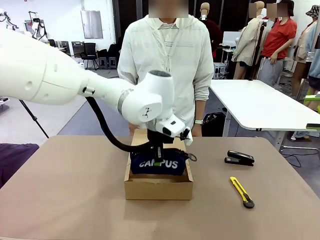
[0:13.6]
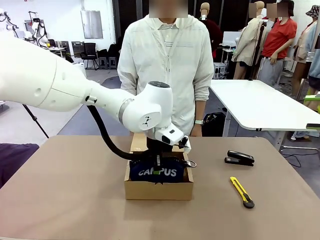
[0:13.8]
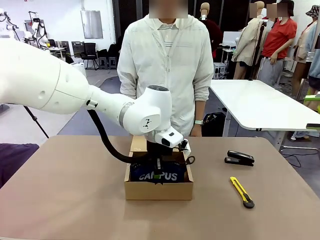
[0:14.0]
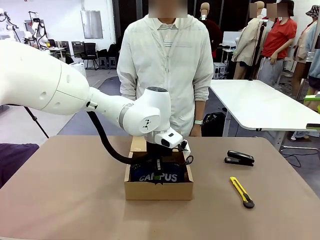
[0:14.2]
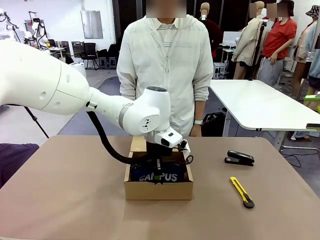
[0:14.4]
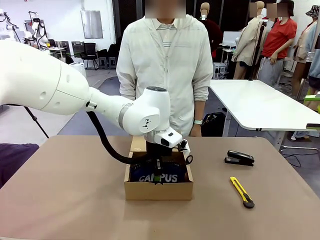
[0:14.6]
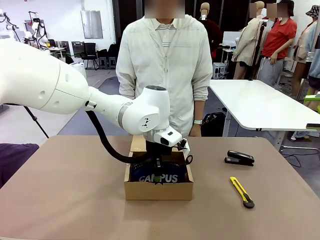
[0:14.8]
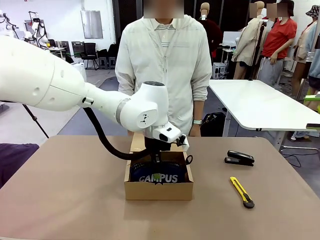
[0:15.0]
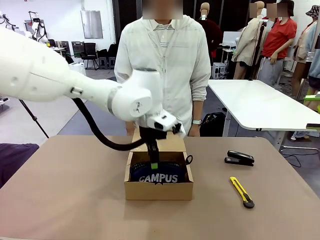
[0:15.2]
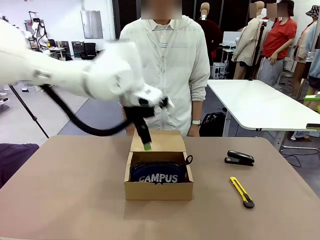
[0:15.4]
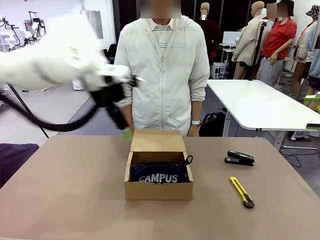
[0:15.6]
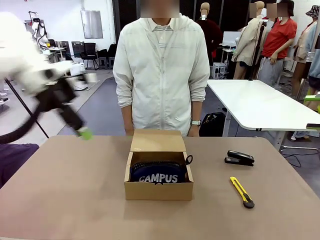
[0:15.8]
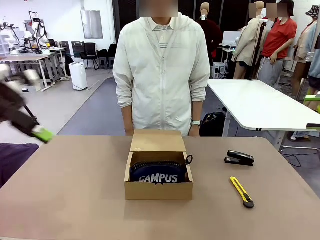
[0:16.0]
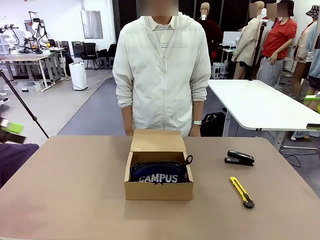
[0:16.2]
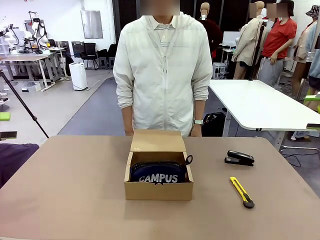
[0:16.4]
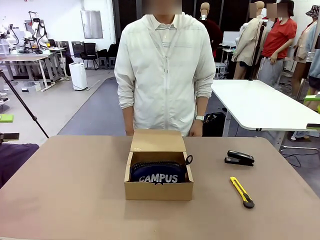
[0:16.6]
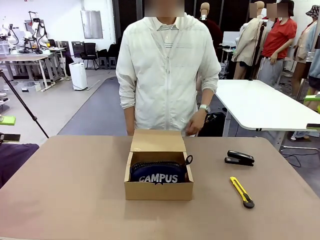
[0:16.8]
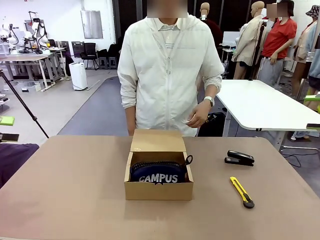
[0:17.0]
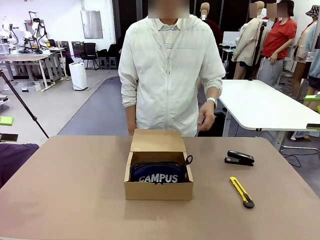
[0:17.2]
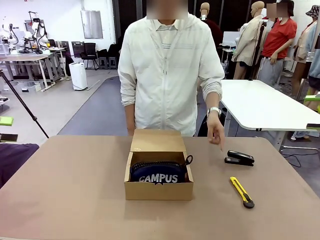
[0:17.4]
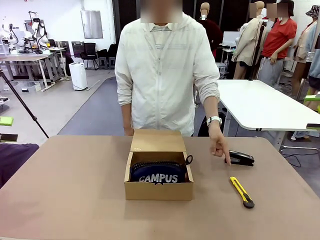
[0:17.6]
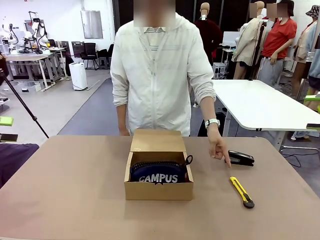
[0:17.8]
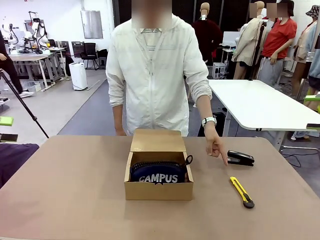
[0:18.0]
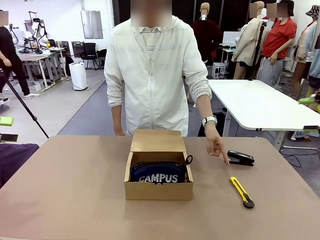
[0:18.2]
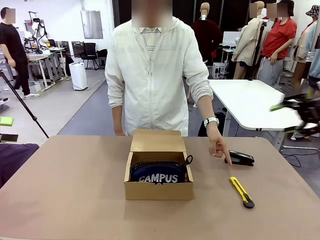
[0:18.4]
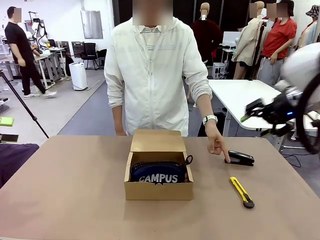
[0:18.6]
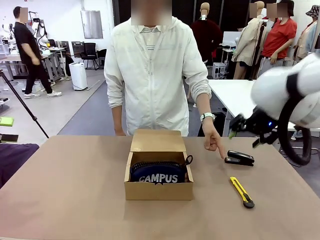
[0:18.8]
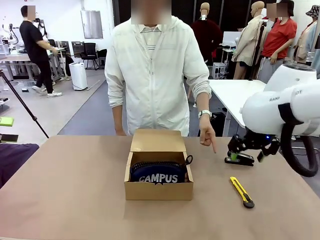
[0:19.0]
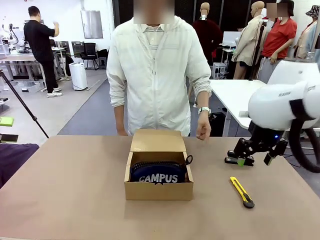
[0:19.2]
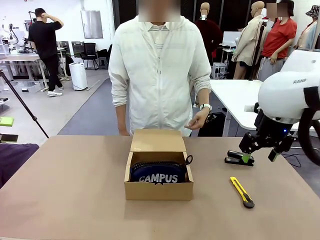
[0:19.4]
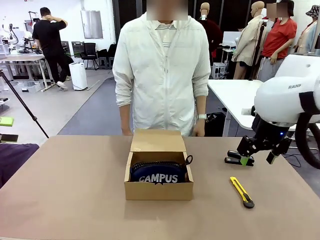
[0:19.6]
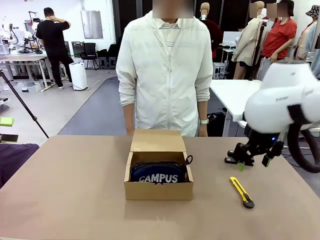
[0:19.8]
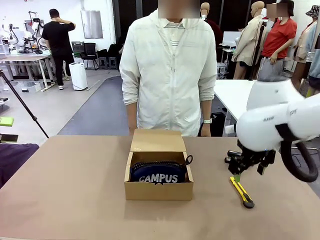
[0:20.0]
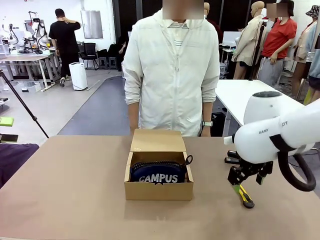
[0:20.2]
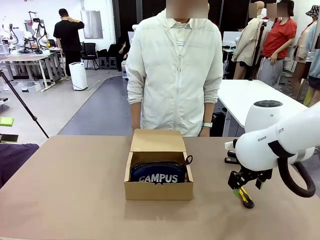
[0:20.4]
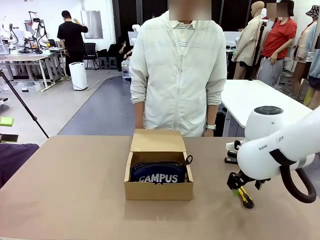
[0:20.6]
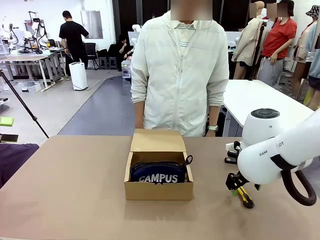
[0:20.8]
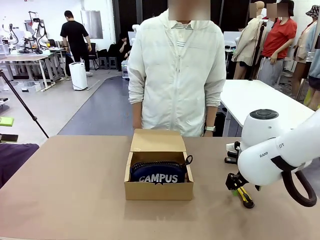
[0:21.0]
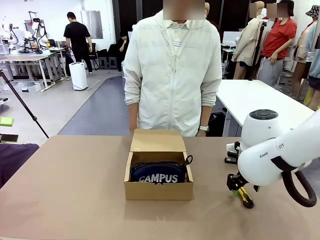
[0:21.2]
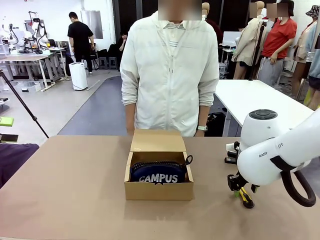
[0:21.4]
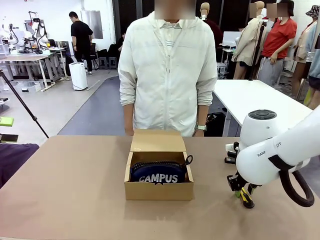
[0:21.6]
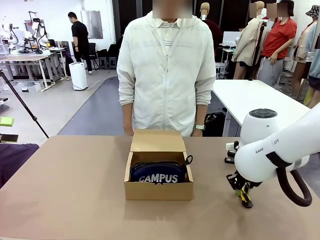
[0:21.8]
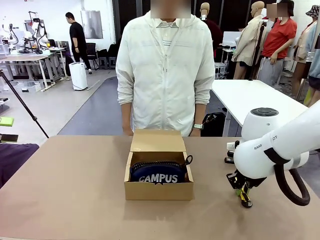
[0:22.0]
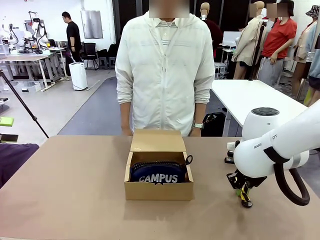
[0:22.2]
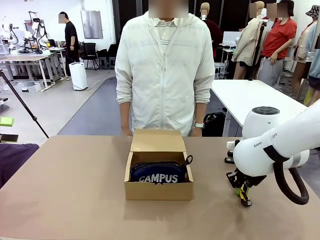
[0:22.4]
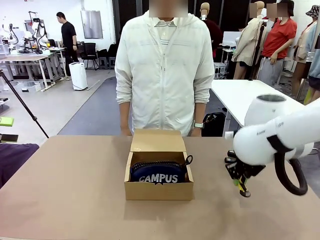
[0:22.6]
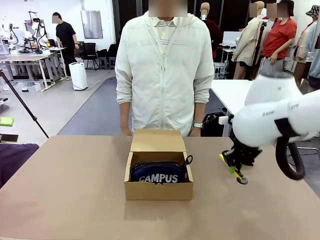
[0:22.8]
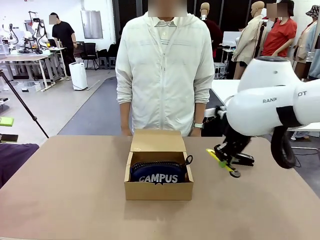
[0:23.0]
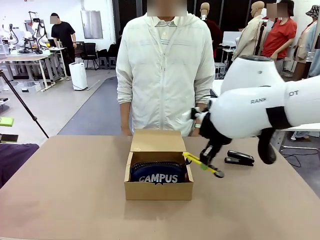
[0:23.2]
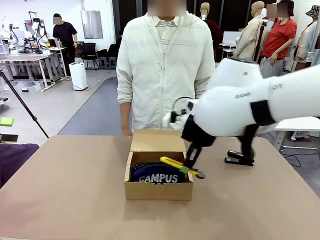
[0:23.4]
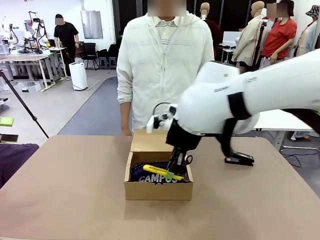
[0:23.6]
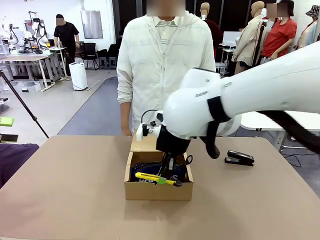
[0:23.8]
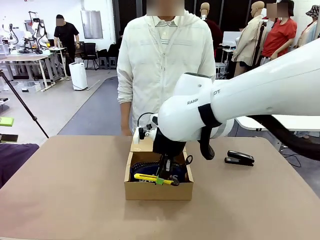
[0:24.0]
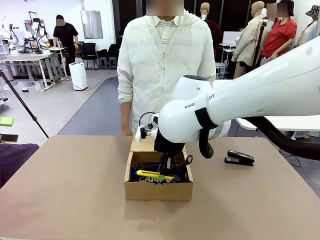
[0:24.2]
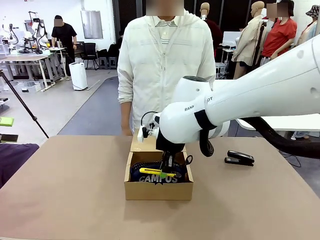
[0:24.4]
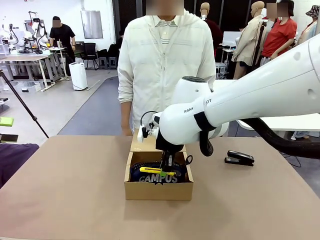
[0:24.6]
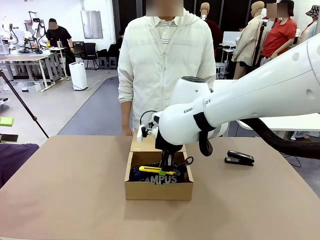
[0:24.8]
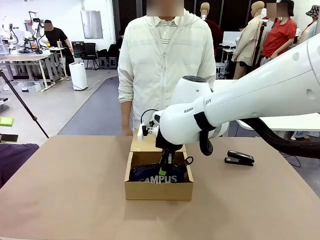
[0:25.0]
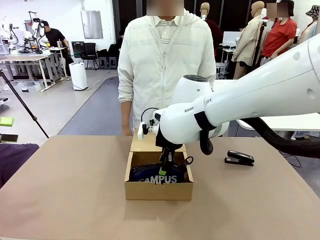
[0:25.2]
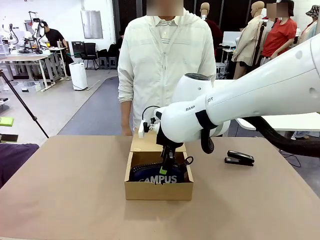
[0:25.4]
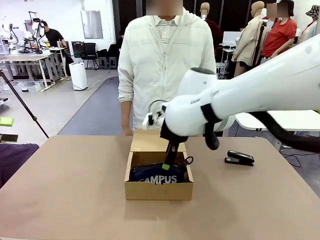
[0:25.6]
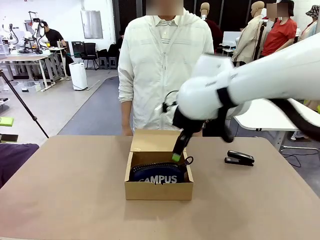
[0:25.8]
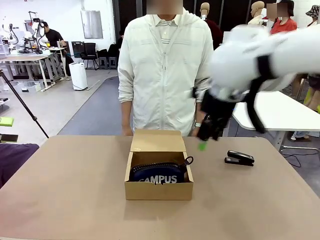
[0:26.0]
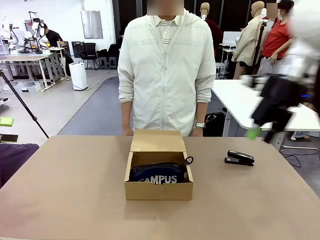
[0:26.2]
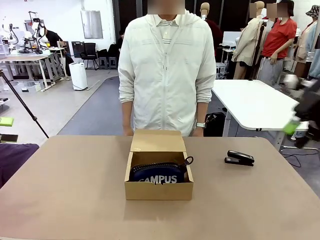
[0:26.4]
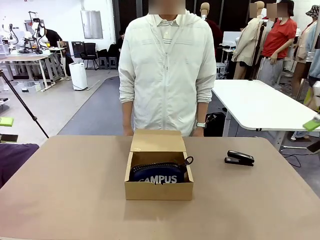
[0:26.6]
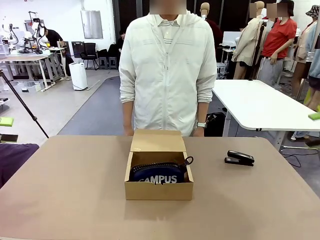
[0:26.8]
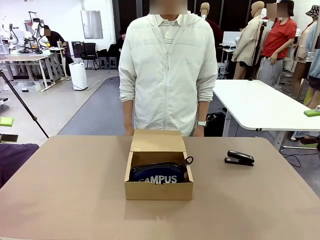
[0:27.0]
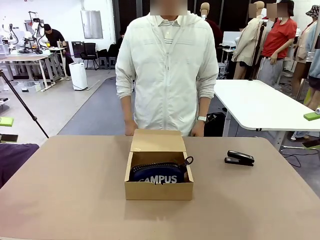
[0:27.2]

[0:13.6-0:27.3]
Task: Pack the items into the box.
Robot: Pick up the item specified by the human and place it in the Mailer Box.
Person: Lower both hands vertically with palms facing downward, as if pressing something closed.

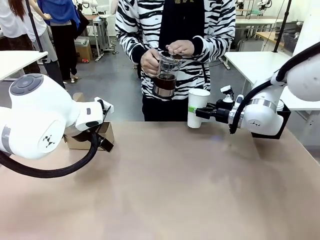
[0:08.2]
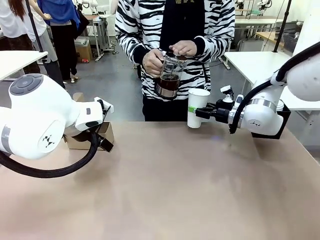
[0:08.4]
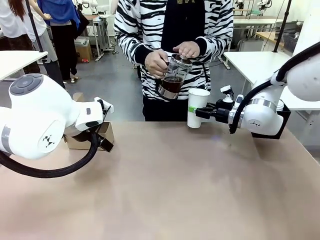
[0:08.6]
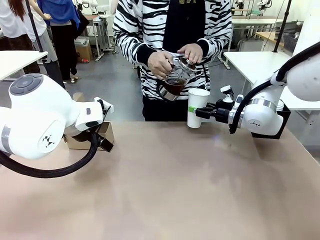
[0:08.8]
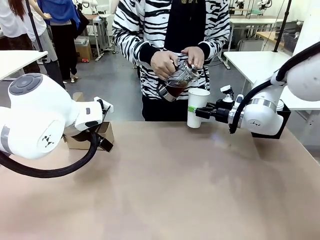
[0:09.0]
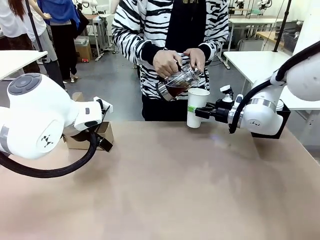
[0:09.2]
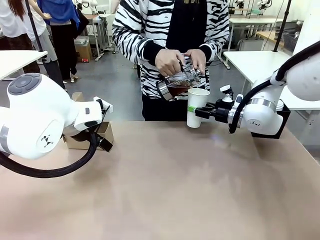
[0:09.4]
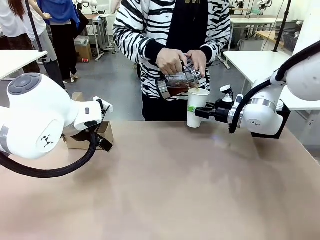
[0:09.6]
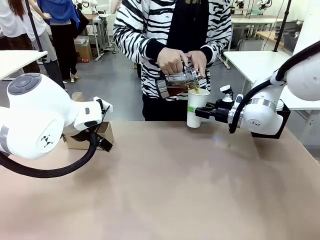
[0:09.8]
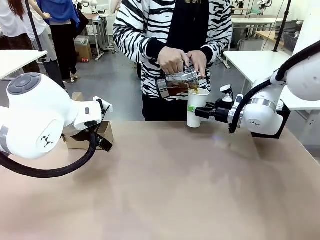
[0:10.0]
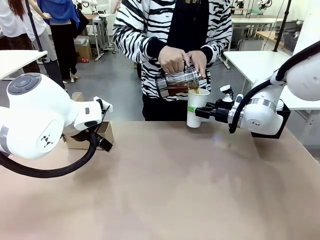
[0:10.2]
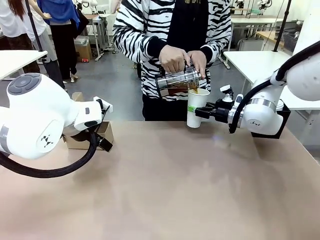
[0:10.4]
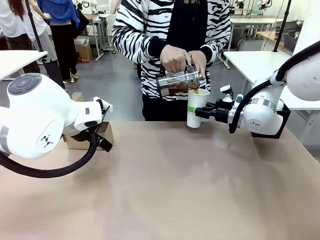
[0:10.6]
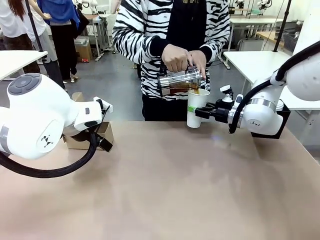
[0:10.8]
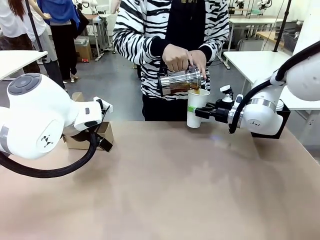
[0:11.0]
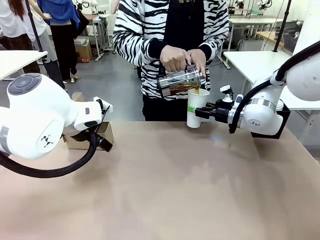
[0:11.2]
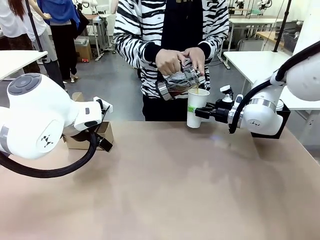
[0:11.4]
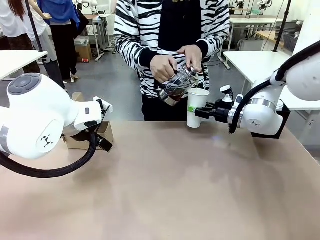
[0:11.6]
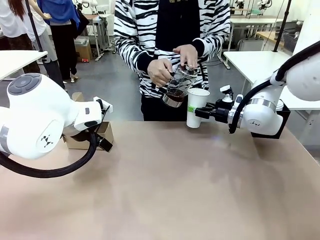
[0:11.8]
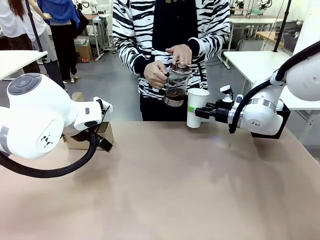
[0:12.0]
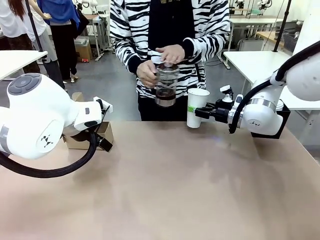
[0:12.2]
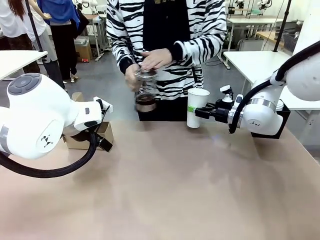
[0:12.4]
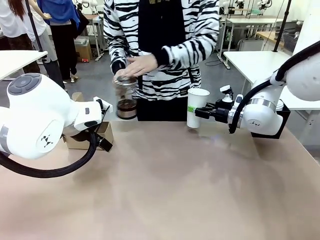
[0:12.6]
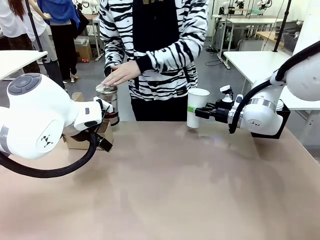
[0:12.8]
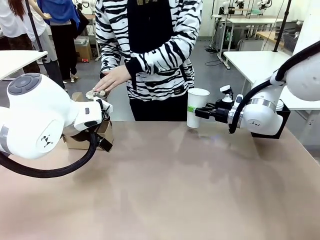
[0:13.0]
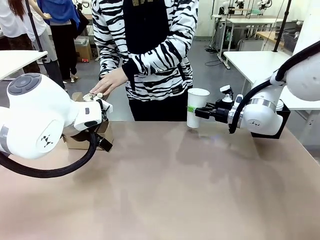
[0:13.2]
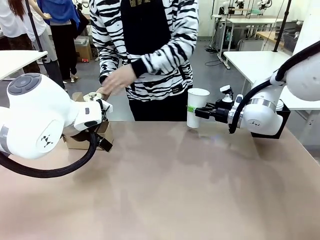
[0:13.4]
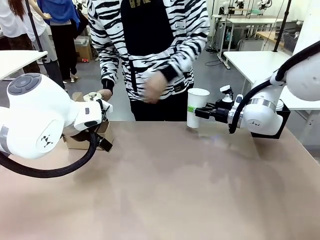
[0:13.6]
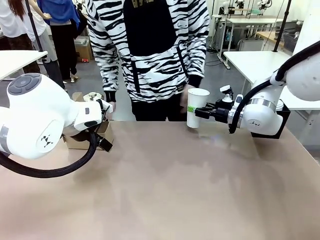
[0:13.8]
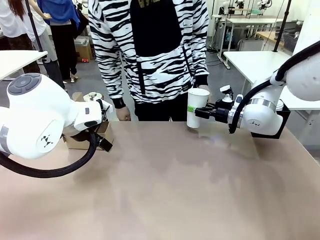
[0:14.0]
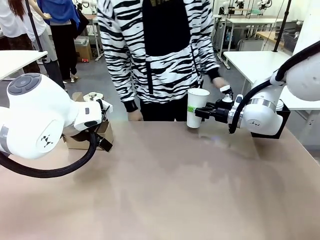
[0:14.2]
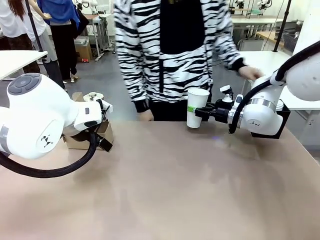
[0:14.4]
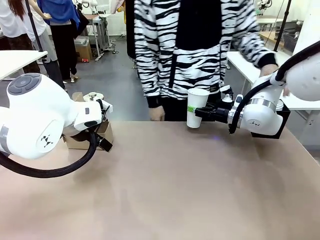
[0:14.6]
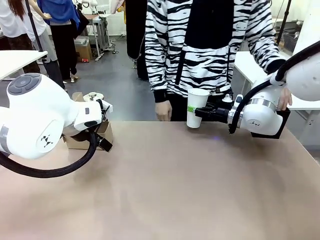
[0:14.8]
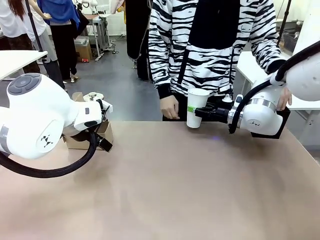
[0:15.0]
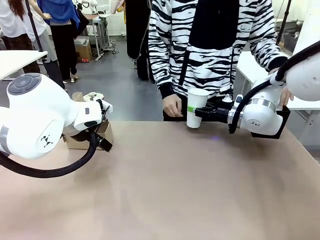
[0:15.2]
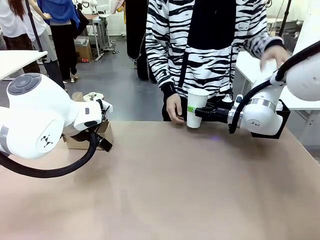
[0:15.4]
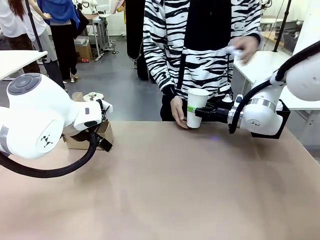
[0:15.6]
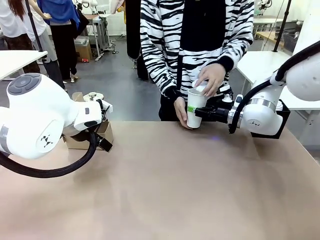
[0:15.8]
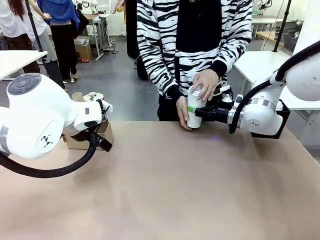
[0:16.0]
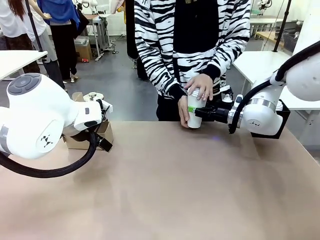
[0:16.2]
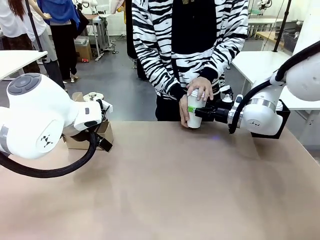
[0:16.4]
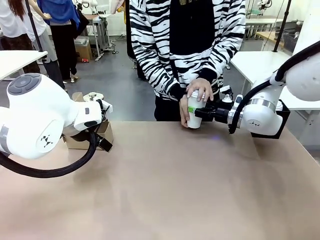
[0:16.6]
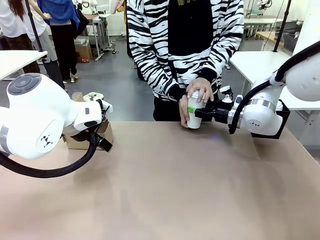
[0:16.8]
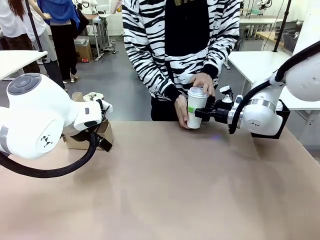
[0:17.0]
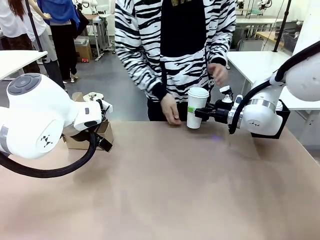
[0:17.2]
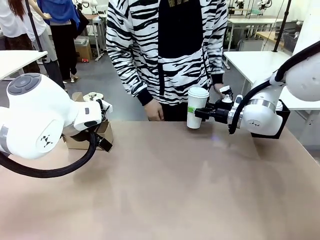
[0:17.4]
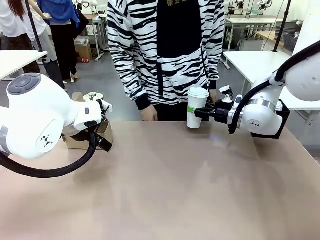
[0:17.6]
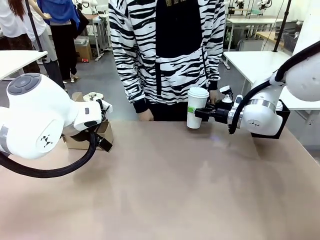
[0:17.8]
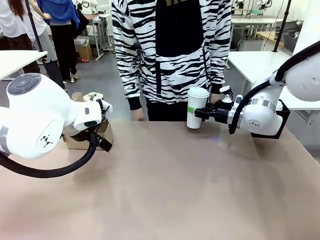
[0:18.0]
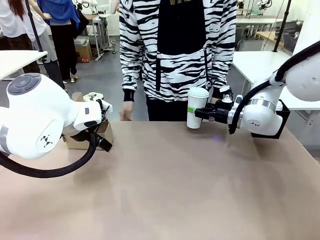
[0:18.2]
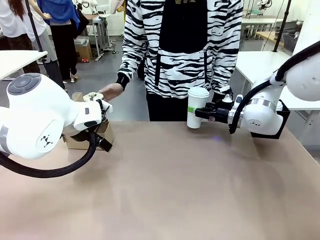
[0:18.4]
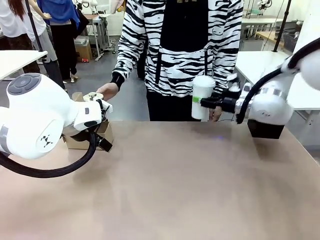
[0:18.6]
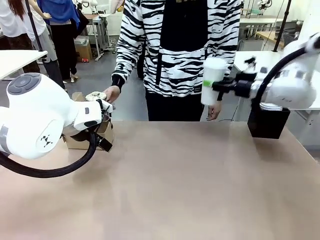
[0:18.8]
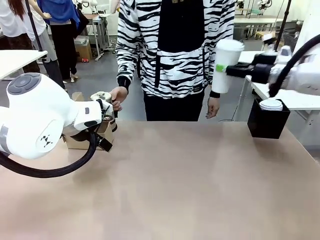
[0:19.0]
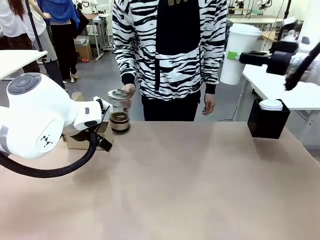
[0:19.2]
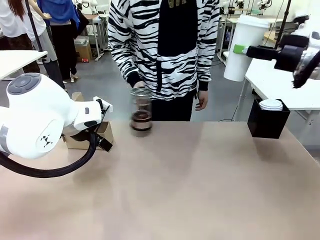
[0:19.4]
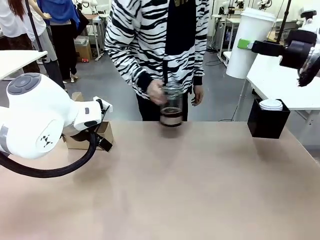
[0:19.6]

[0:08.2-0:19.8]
Task: Pour a drink into a cup and package it in a carrier.
Robot: When a person places the Paper Cup Lid on the 600 ml Paper Cup , lift the 600 ml Paper Cup.
Person: Pour the drink from the Filter Brewing into the 600 ml Paper Cup. Place a Paper Cup Lid on the 600 ml Paper Cup.
